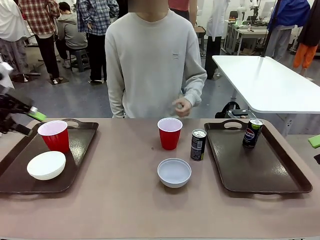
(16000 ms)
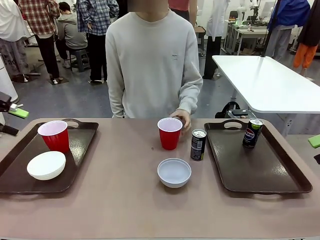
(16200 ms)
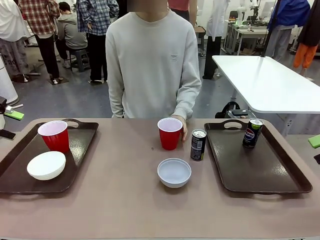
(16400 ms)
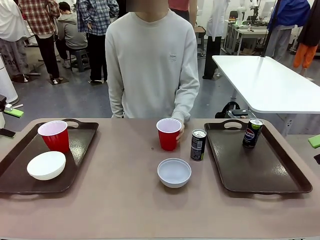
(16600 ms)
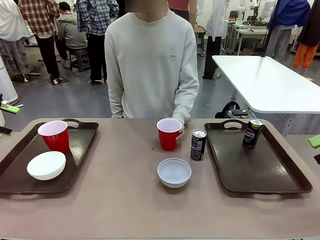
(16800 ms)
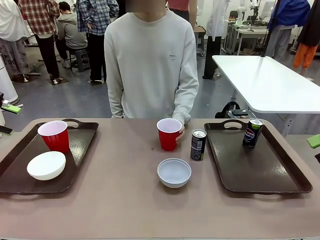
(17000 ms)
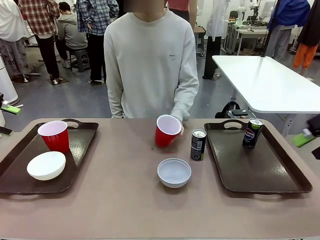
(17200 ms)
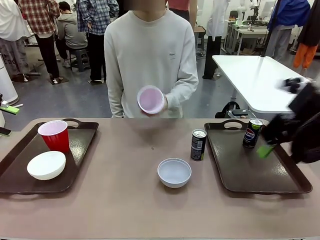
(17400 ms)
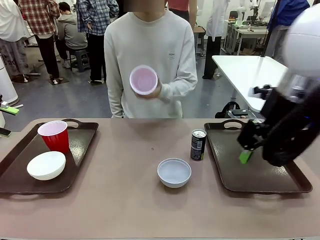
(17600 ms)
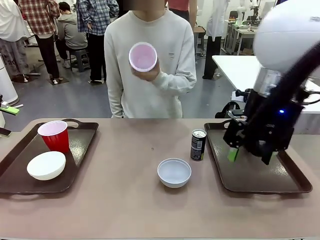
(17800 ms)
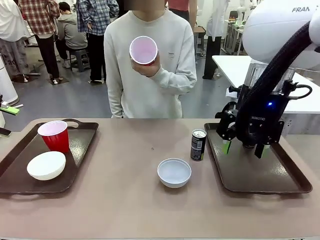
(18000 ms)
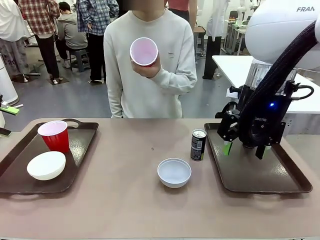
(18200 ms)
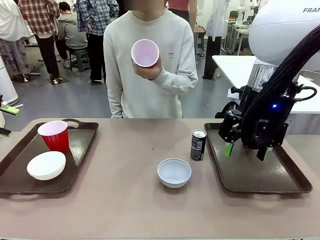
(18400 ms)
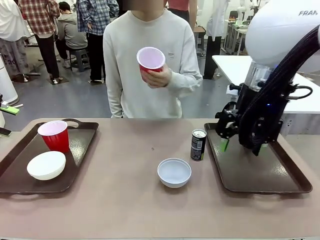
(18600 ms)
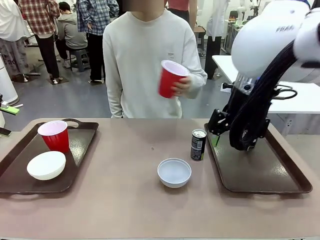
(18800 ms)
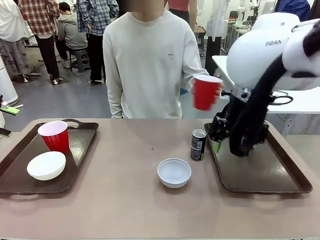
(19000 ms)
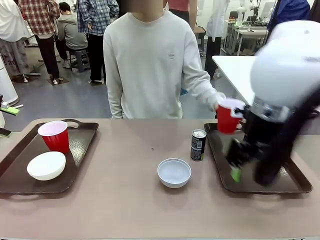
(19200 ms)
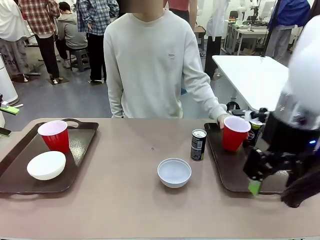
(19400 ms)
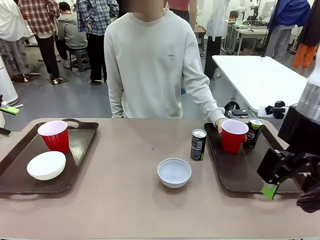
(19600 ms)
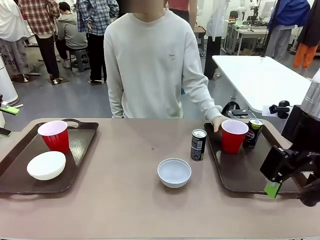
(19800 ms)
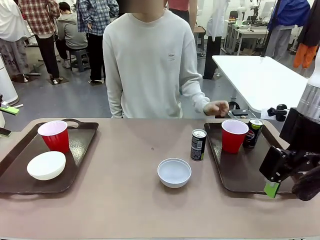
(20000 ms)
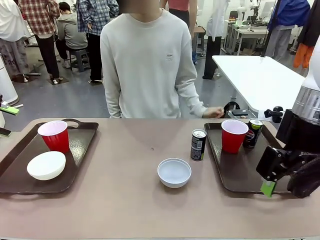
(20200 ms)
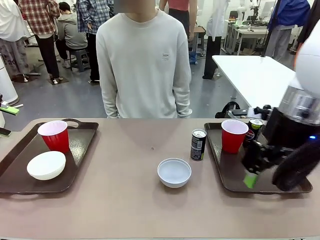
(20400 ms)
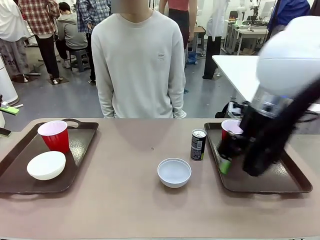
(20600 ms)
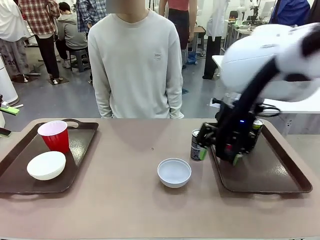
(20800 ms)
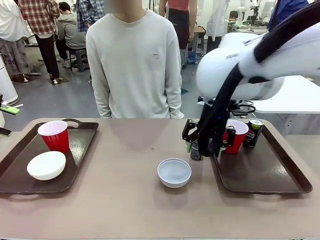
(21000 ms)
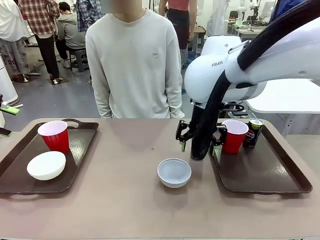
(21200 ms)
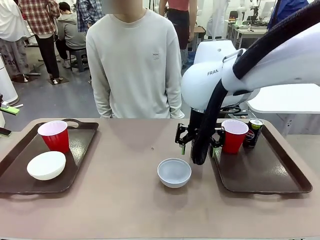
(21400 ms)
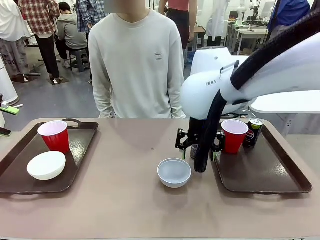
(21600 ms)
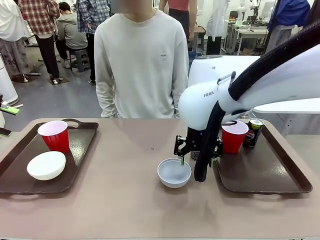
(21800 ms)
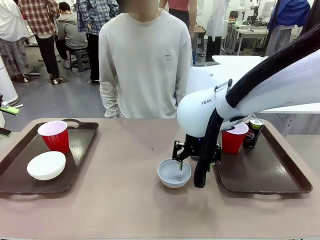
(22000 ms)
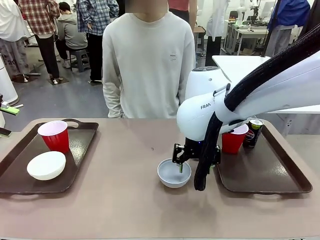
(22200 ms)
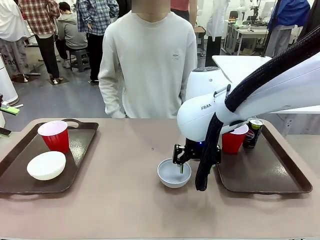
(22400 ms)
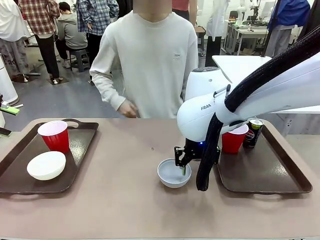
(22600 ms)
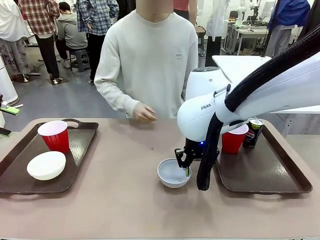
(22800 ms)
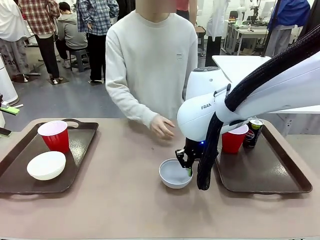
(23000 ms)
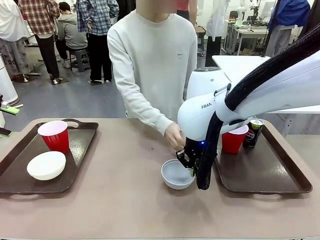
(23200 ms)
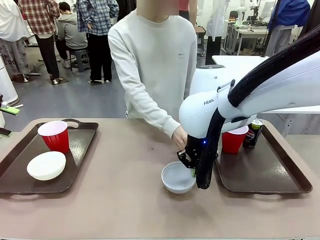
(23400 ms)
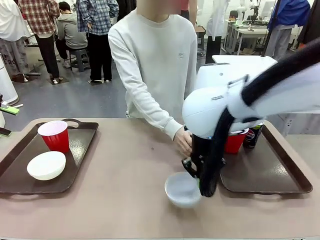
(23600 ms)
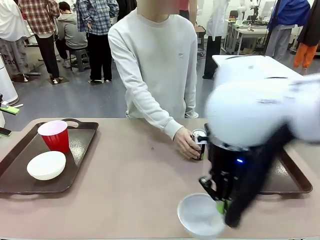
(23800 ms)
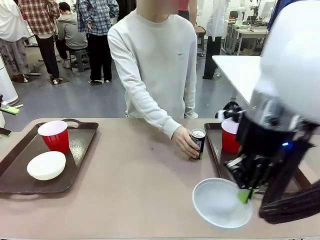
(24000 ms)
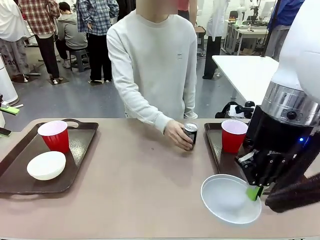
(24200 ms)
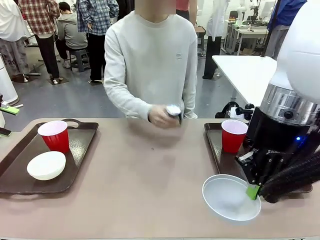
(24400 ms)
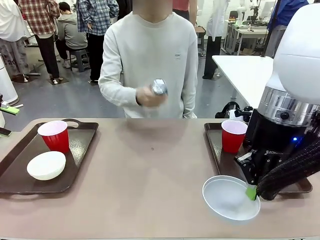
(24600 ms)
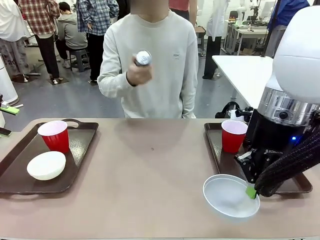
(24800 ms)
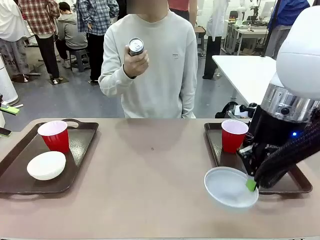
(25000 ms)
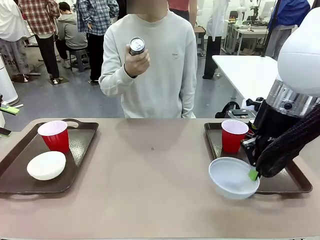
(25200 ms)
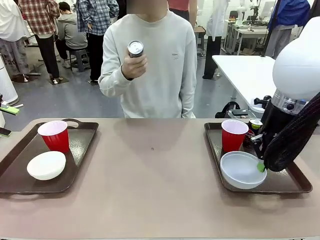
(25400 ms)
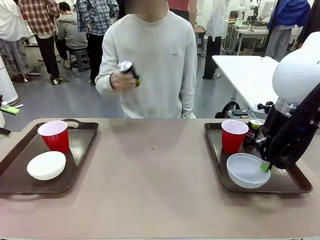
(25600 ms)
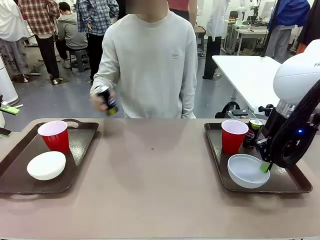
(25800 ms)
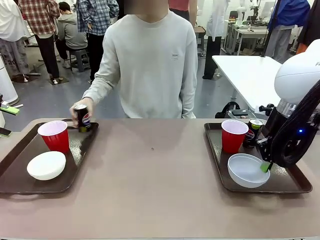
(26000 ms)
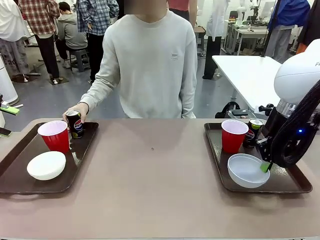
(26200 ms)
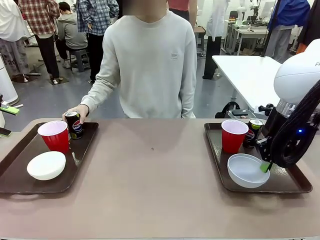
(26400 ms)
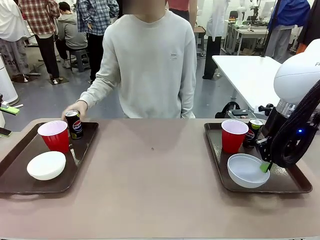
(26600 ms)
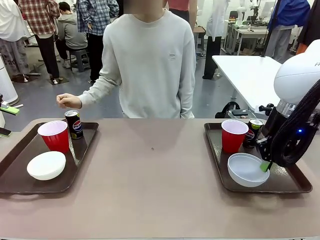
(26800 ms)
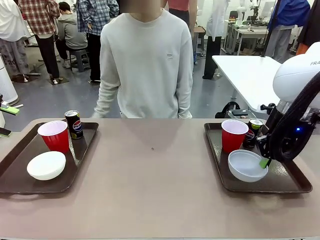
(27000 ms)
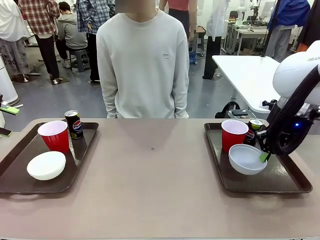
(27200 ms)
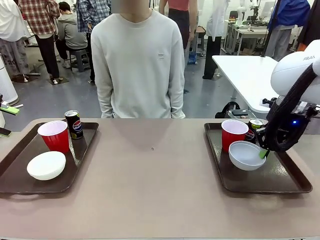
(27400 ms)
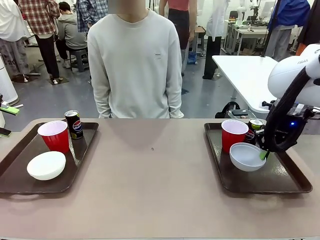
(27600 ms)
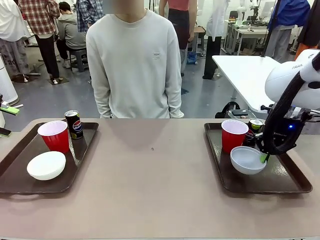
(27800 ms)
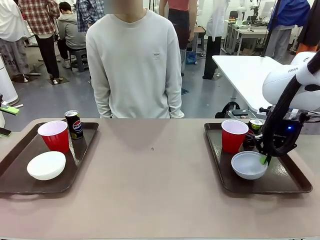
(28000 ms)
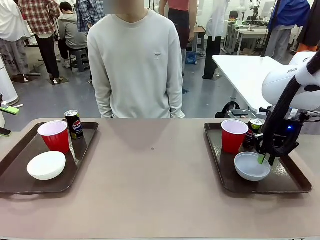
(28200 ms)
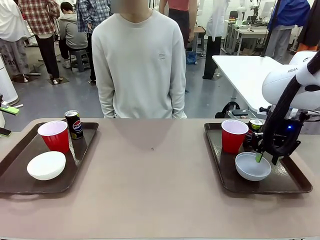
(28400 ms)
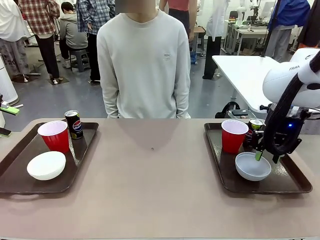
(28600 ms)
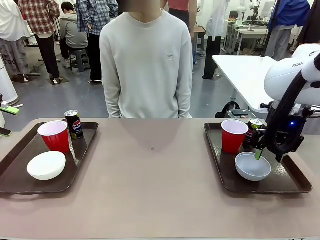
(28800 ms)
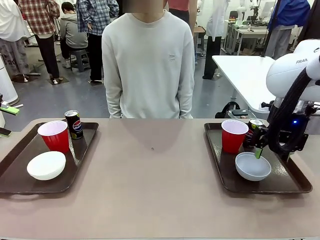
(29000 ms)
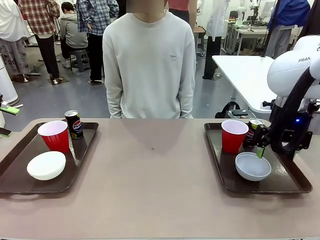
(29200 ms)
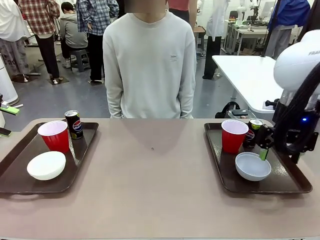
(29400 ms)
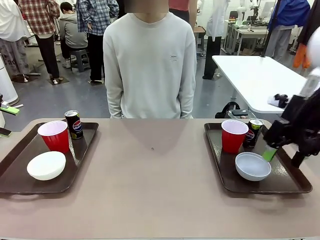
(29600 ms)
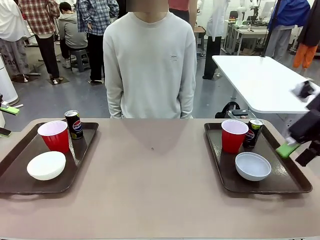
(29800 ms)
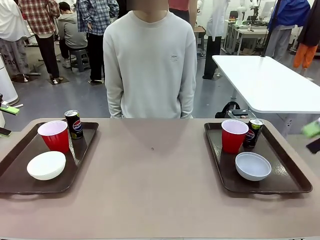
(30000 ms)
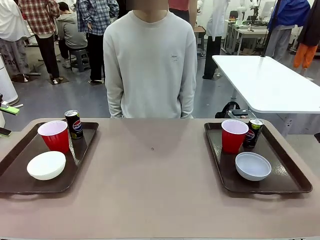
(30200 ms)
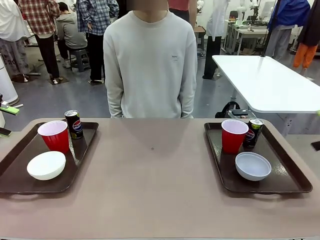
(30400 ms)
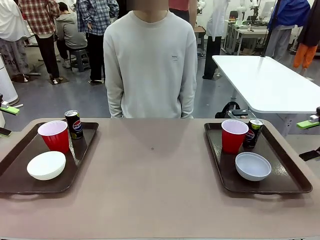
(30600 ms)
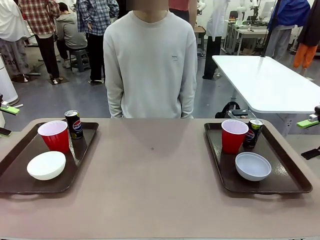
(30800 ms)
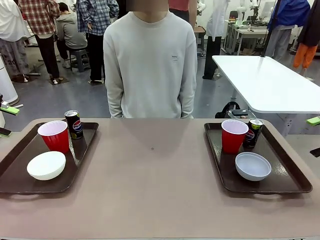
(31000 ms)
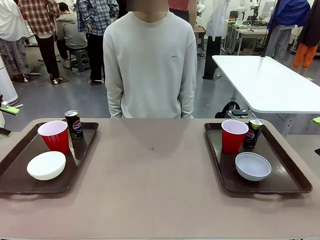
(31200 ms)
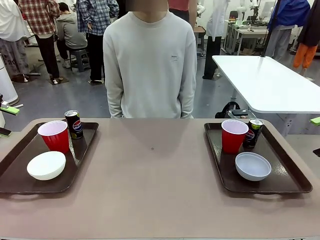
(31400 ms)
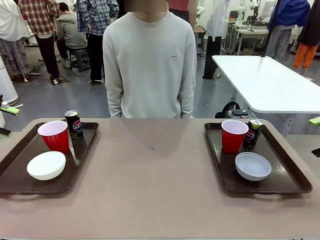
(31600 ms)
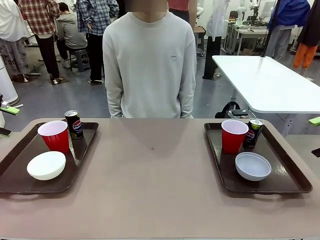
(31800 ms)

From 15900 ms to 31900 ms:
Task: Prepare tableware on both trays.
Robot: Pick up a Picnic Bowl from the table and place it on a Handle tray.
Person: Pick up a can or cup and place it on the tray without a can or cup.

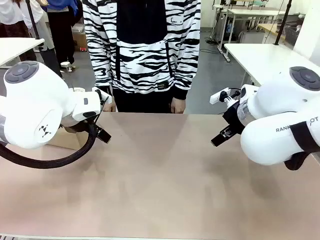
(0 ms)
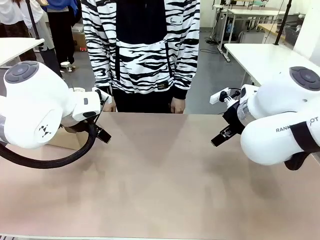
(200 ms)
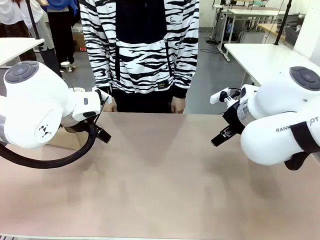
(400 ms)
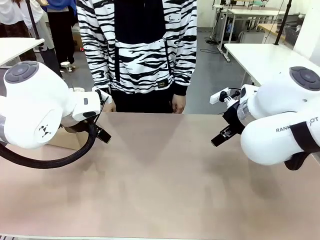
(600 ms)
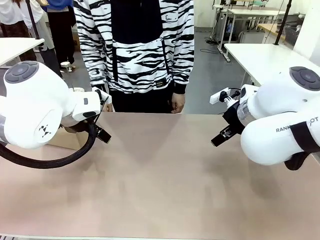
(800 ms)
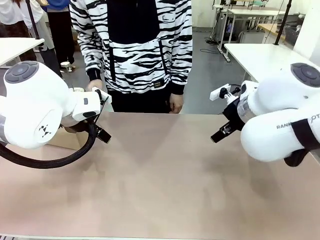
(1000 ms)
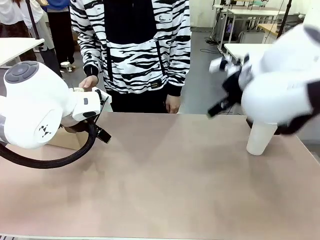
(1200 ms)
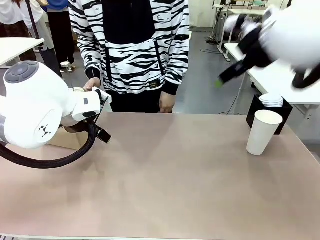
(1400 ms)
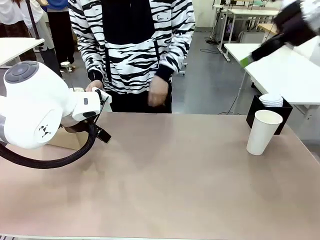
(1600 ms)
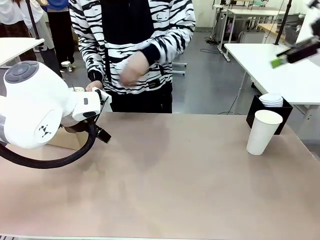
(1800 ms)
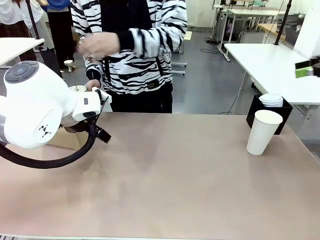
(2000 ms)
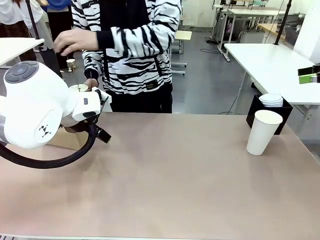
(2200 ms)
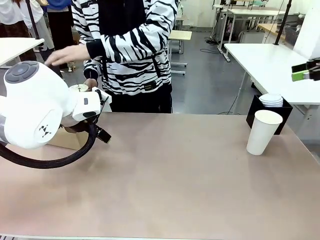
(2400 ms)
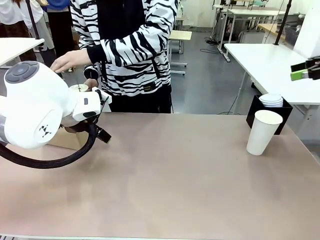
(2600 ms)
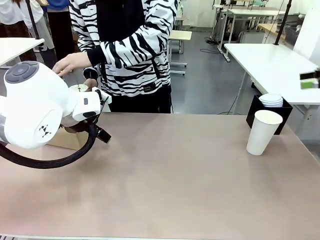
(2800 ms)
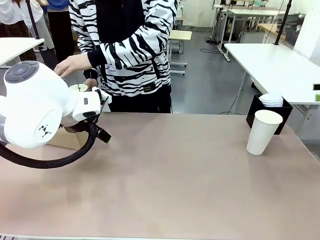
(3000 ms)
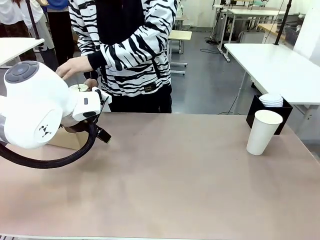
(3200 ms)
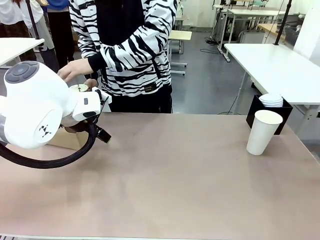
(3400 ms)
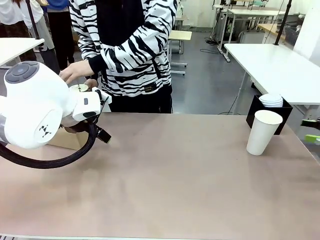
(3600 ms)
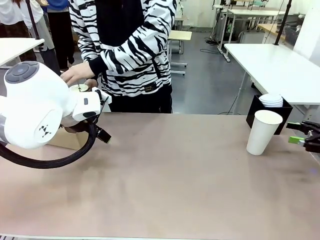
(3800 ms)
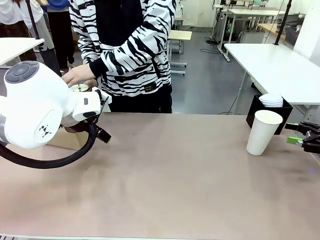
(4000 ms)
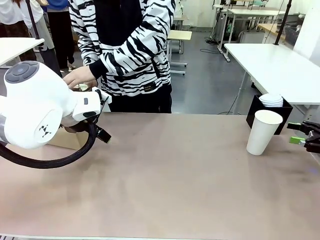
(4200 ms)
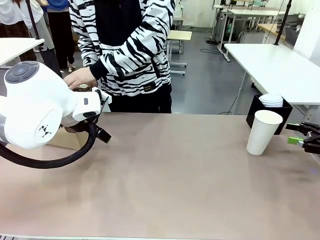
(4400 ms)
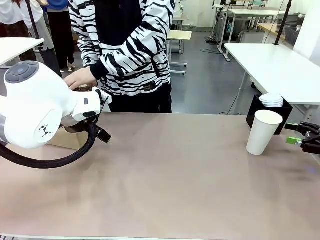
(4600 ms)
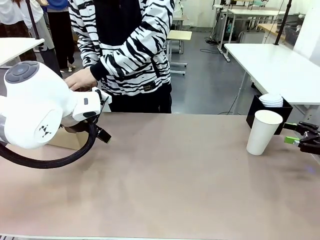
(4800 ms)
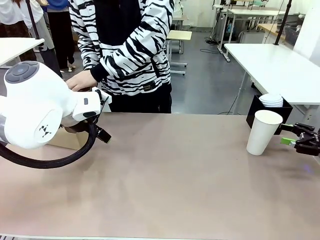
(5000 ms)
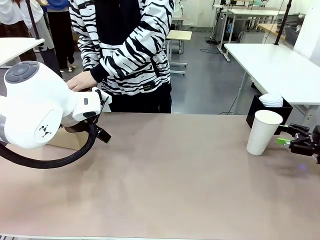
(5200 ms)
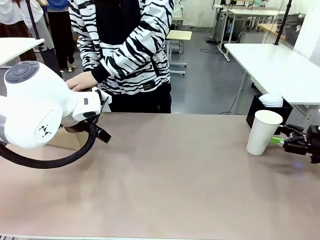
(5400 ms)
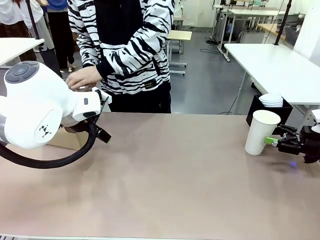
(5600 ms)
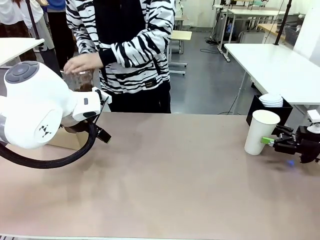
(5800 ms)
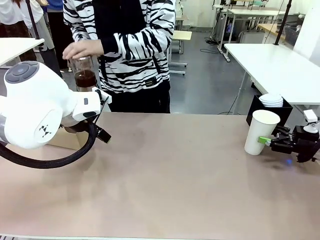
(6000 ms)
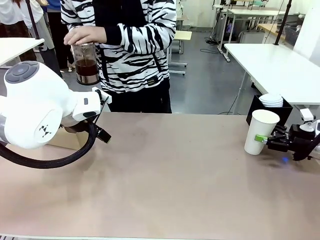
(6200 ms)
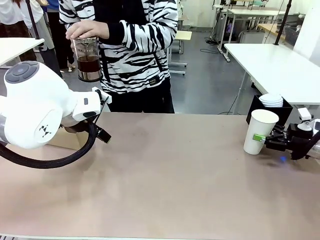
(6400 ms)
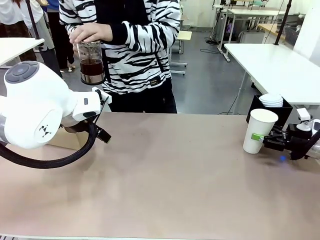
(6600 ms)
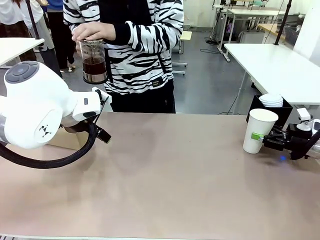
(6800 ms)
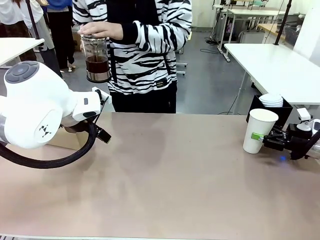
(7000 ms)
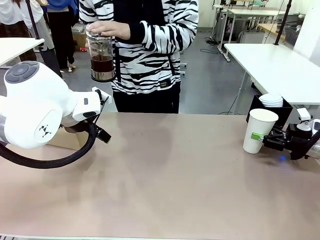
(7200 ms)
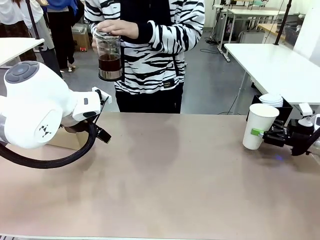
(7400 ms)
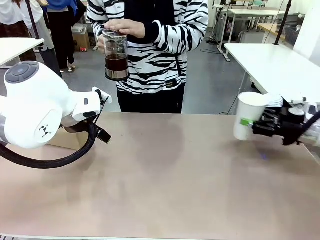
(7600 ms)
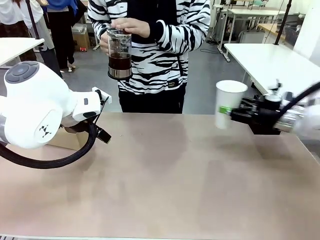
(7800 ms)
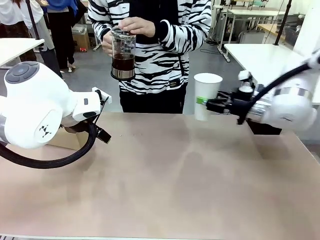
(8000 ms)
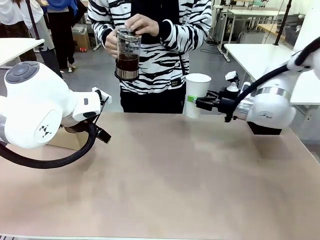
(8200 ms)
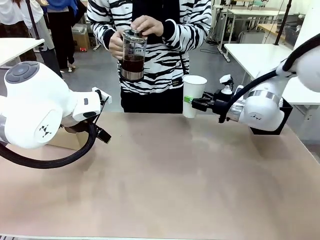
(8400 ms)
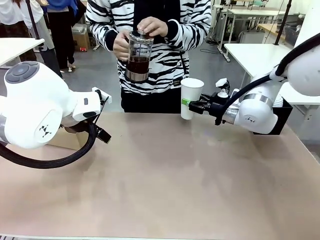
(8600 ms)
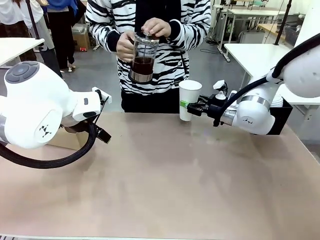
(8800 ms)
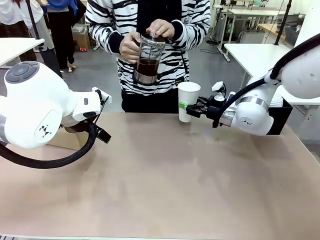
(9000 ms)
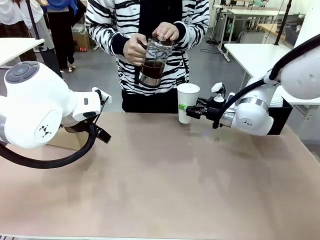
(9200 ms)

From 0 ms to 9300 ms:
Task: Pour a drink into a cup and package it in a carrier.
Robot: Pick up the 600 ml Paper Cup and place it in the middle top area of the table.
Person: Press and pick up the Filter Brewing.
